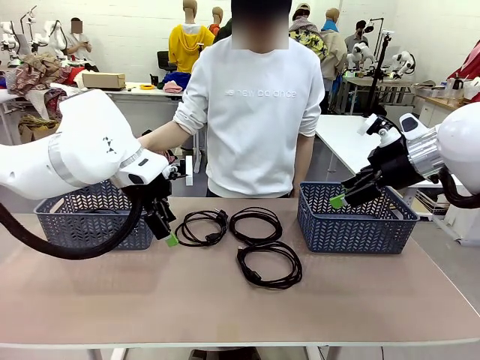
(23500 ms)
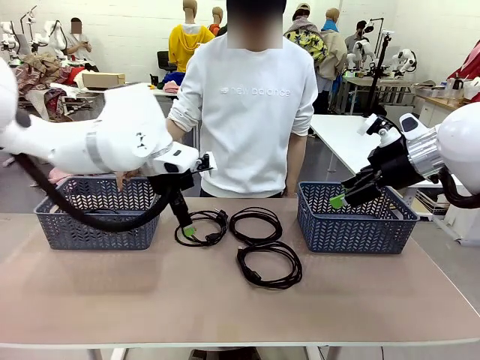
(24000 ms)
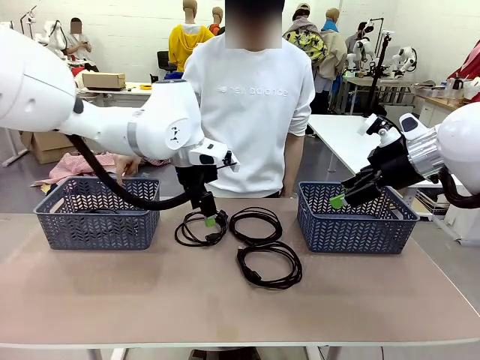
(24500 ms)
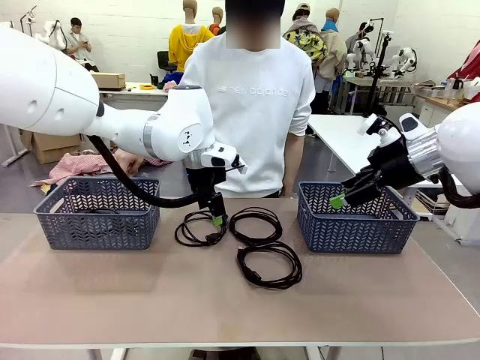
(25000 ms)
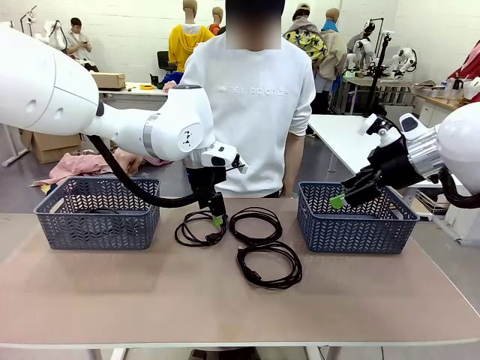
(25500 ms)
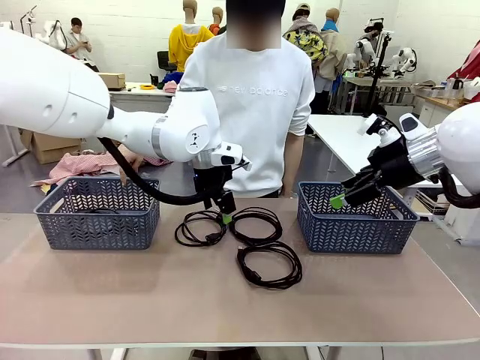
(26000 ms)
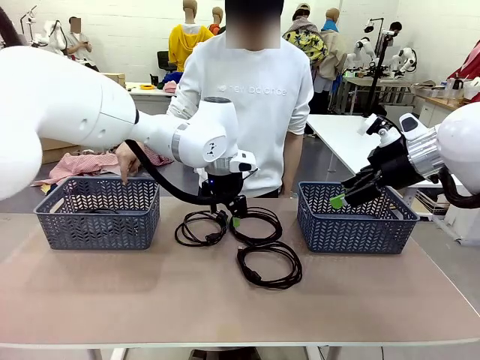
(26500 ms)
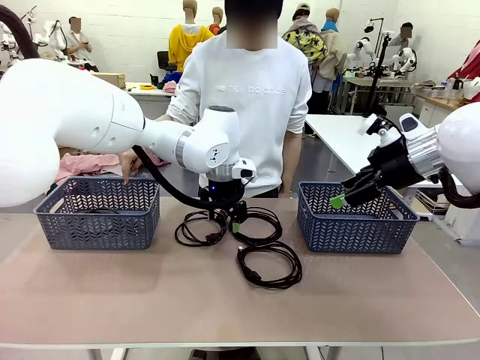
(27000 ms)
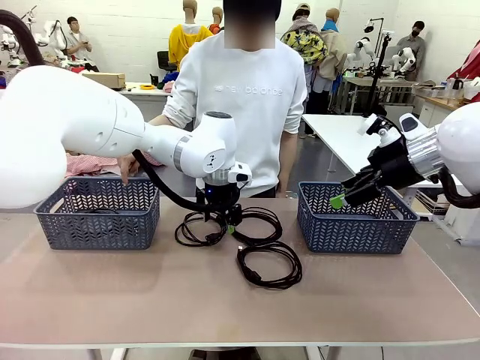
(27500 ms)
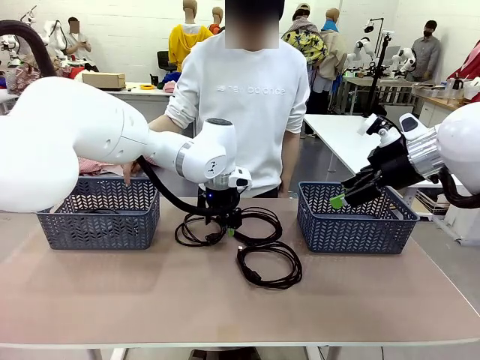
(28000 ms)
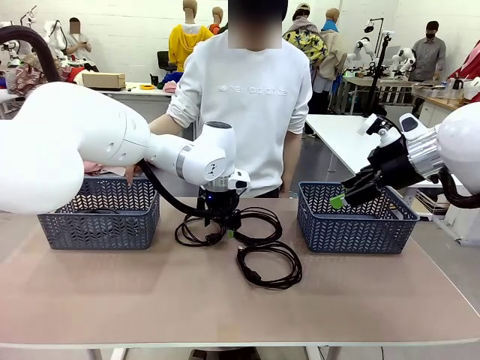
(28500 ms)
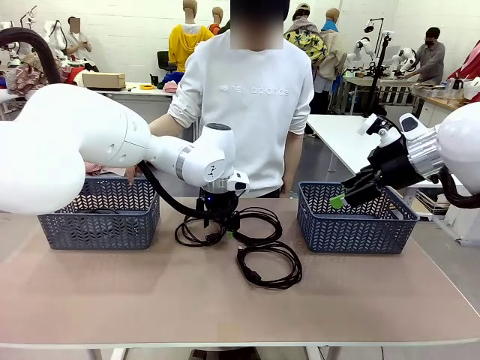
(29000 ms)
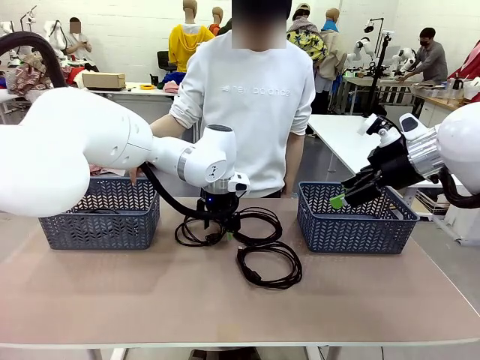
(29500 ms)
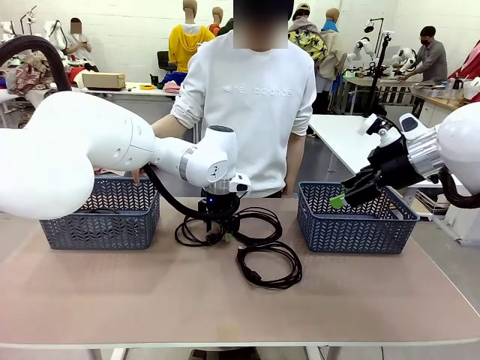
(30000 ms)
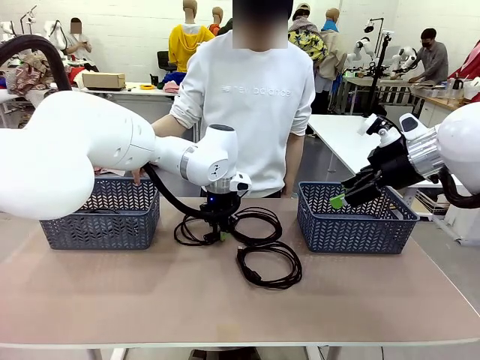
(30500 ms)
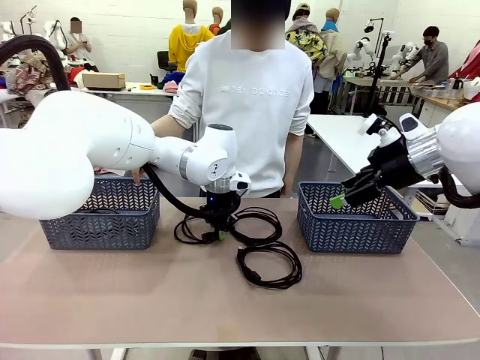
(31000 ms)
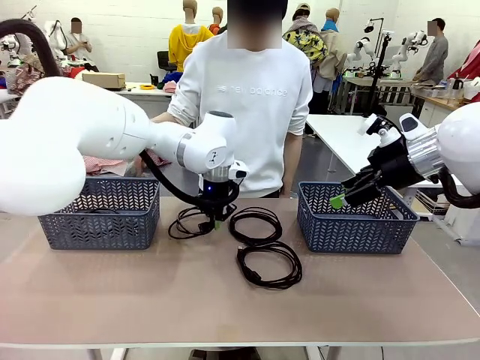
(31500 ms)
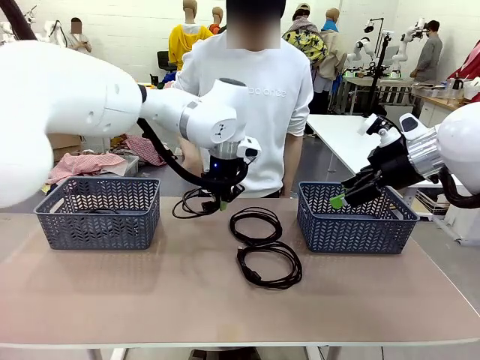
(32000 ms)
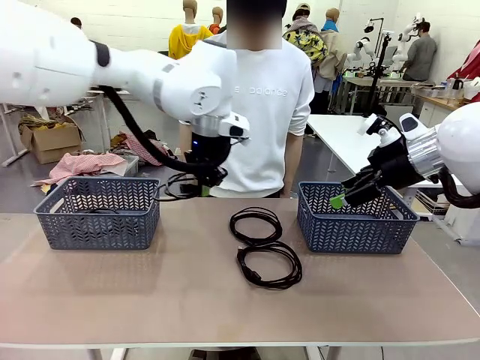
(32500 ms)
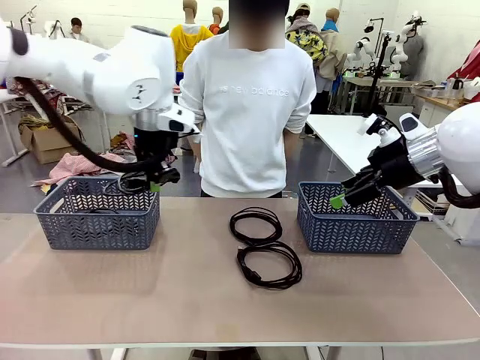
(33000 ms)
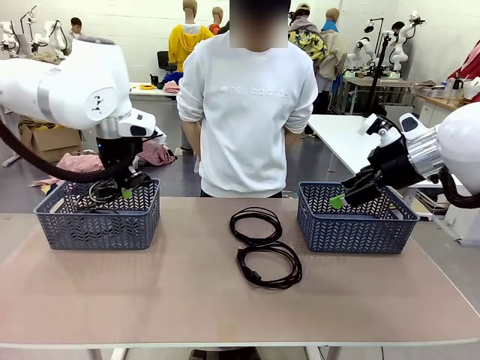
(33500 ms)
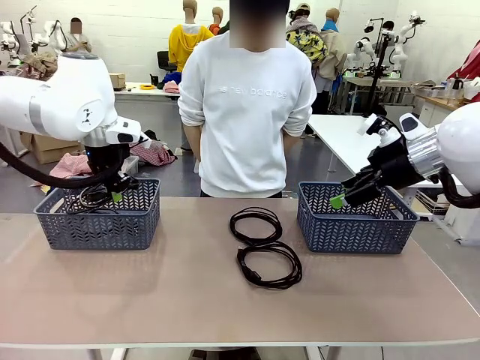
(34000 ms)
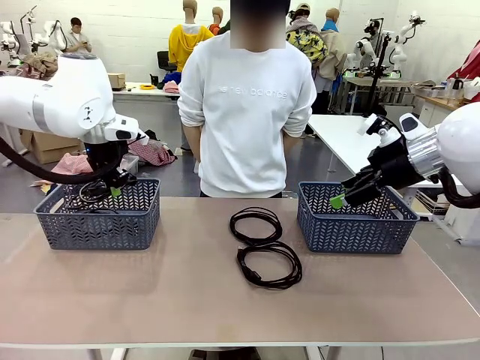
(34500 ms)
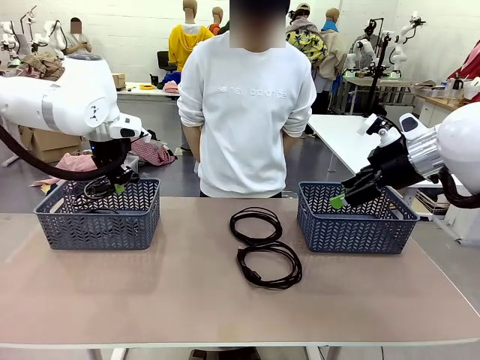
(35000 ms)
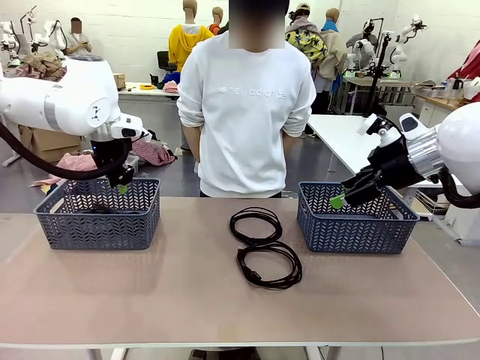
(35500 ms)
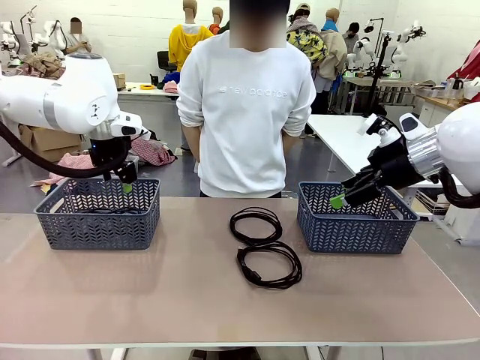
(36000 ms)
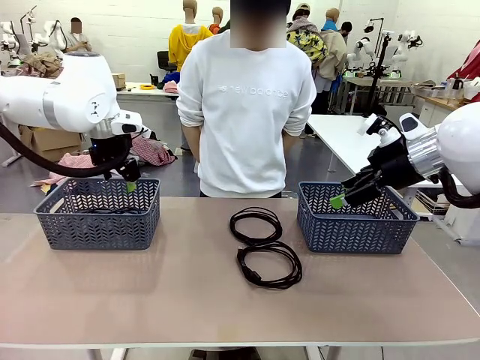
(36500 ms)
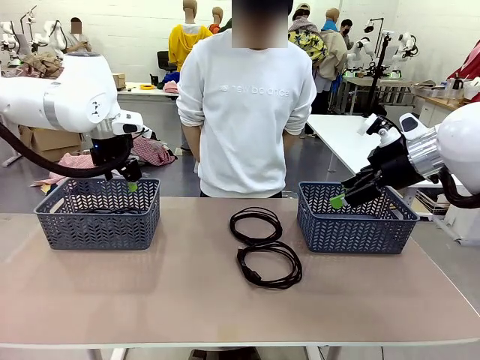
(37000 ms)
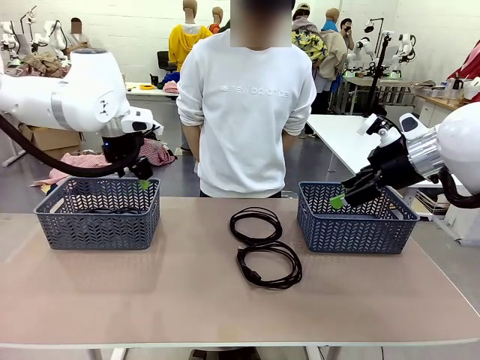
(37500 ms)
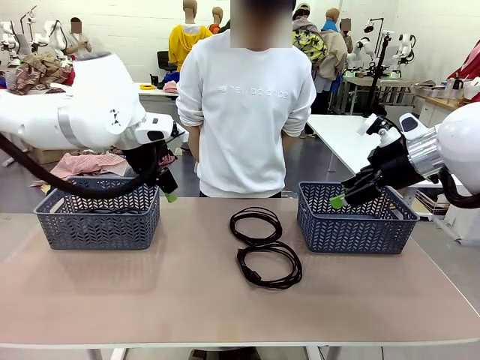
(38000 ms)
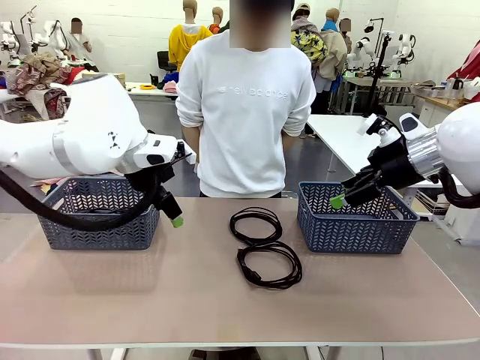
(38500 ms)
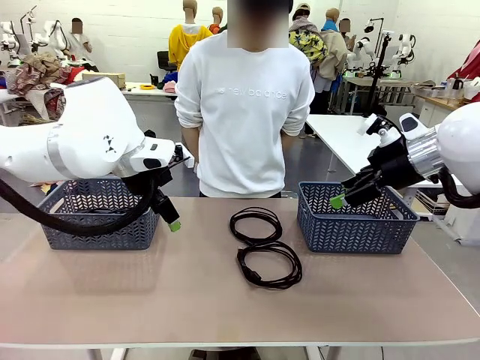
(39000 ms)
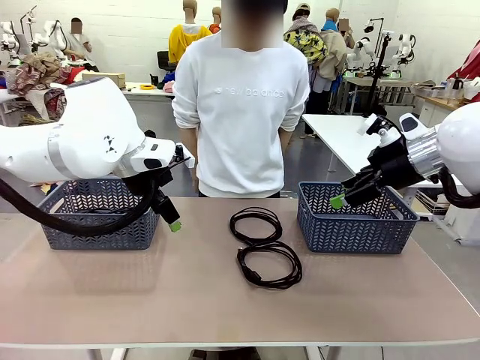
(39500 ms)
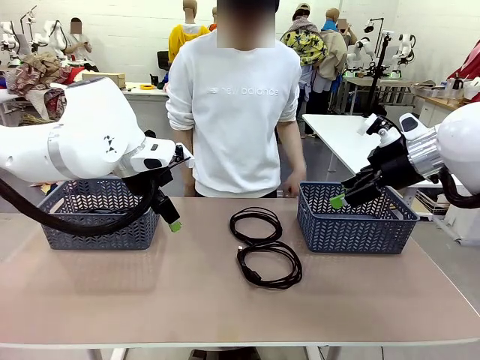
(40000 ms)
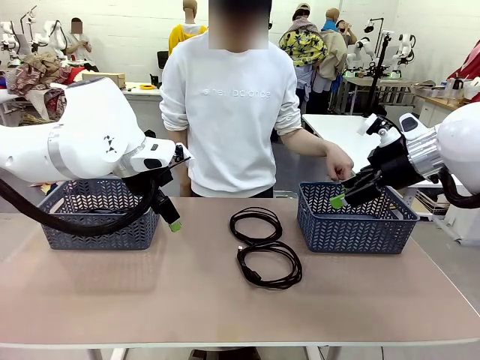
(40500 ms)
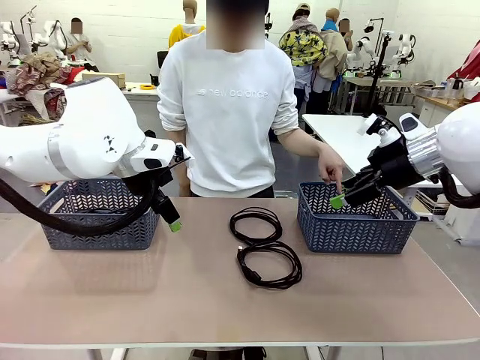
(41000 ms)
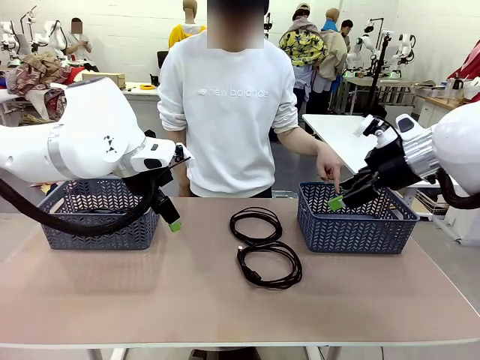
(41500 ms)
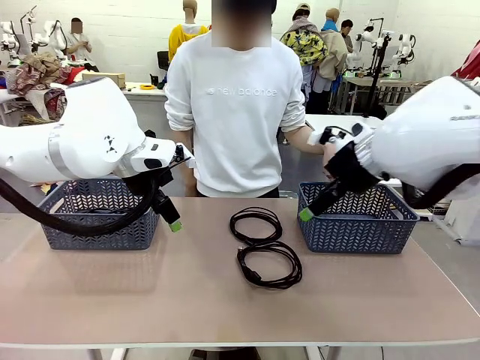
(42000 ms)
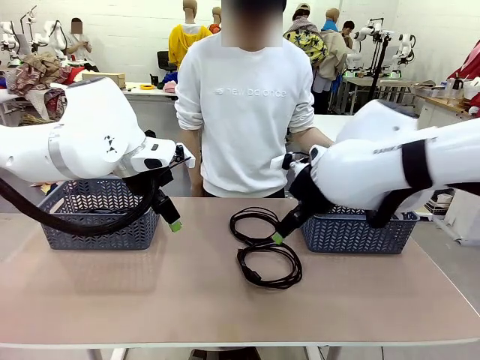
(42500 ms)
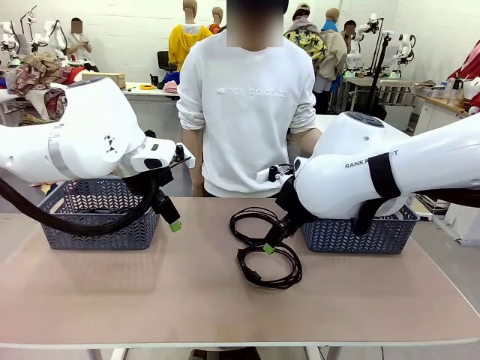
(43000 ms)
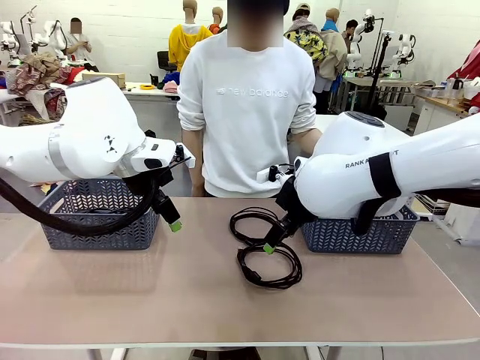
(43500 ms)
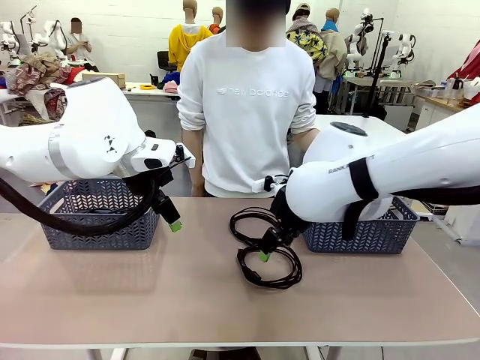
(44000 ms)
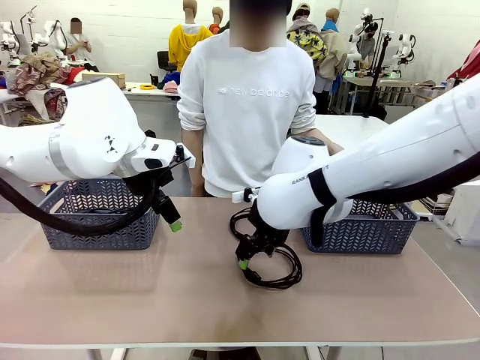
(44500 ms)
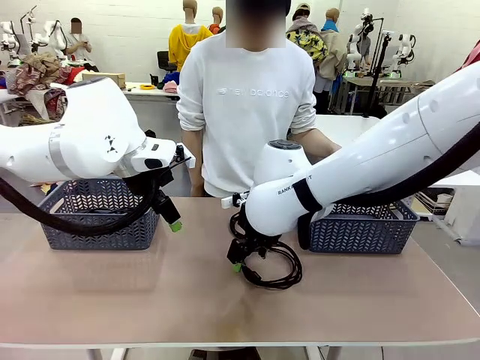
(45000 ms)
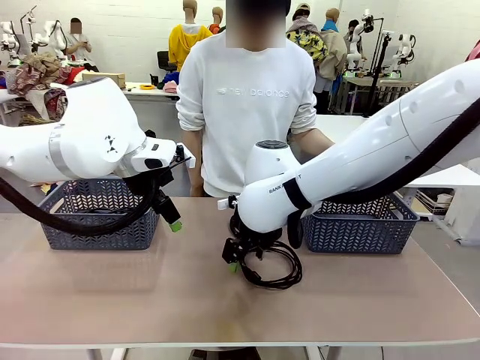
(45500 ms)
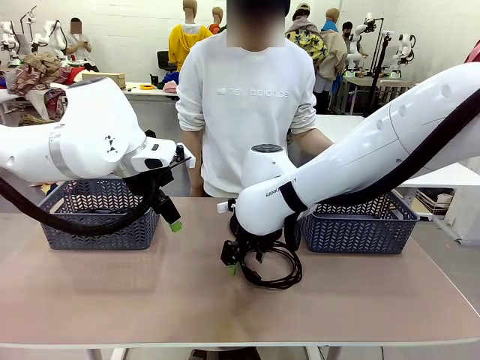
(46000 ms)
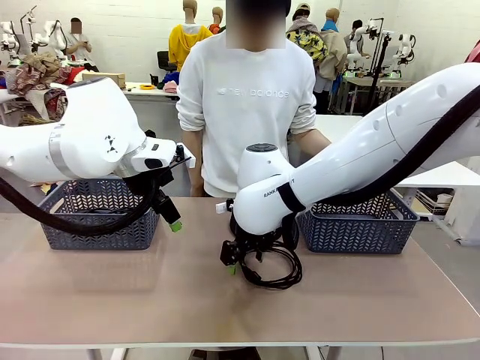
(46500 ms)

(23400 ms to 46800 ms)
Task: Organize the cables according to human instructions.
Robot: Pick up a bundle of cables and place it in the basket indicated by the human.

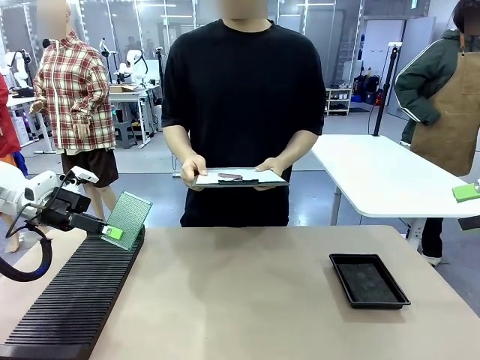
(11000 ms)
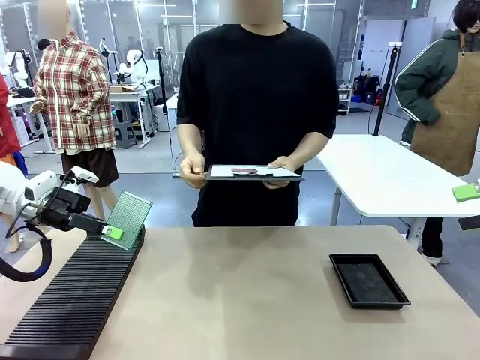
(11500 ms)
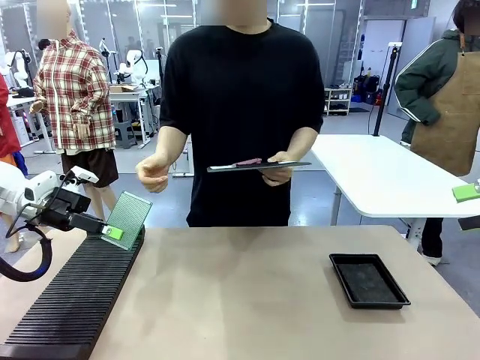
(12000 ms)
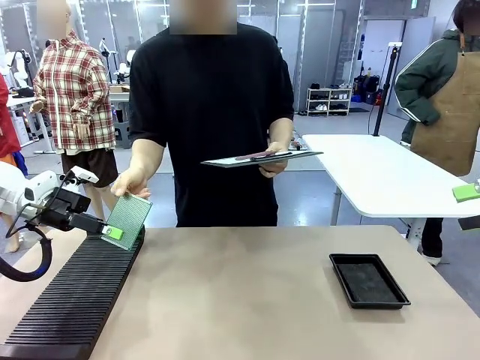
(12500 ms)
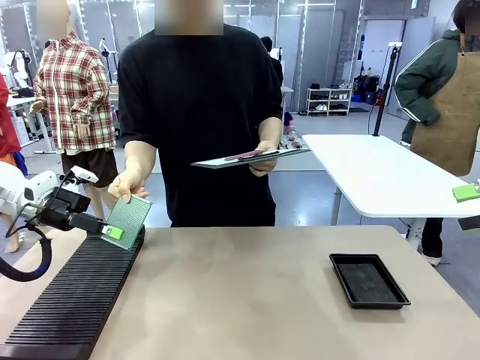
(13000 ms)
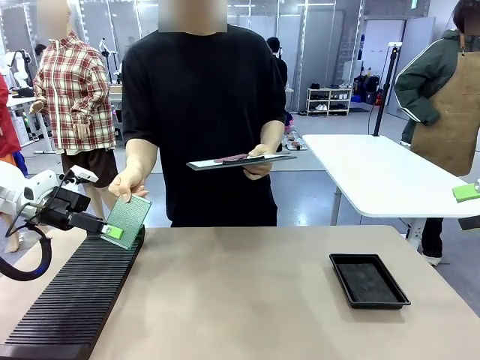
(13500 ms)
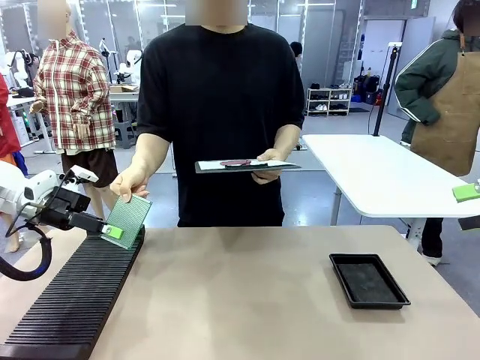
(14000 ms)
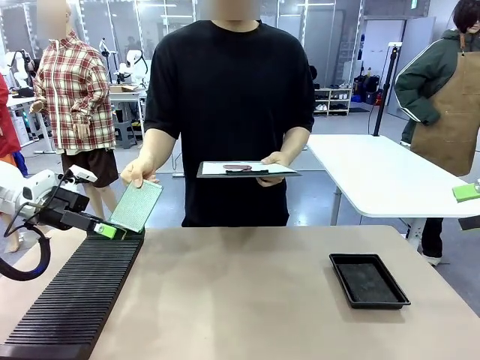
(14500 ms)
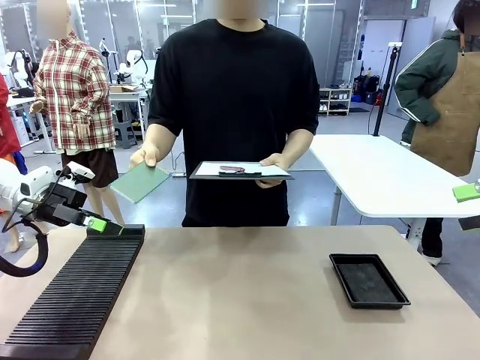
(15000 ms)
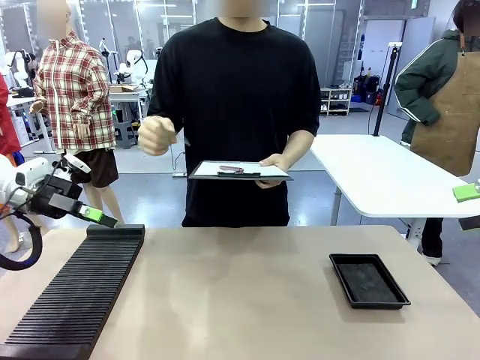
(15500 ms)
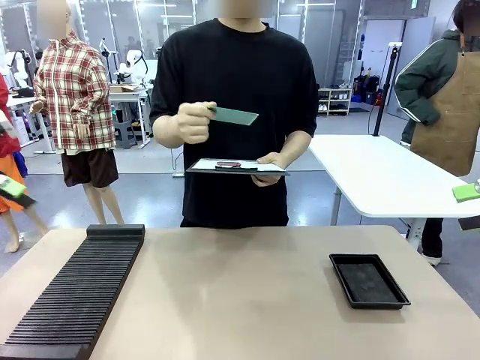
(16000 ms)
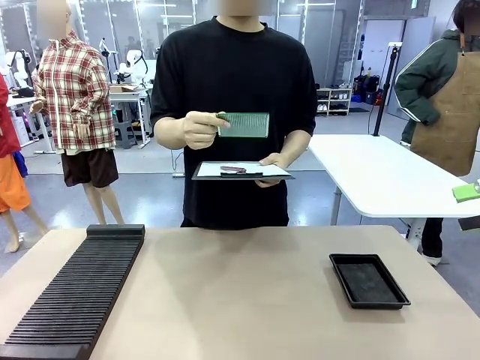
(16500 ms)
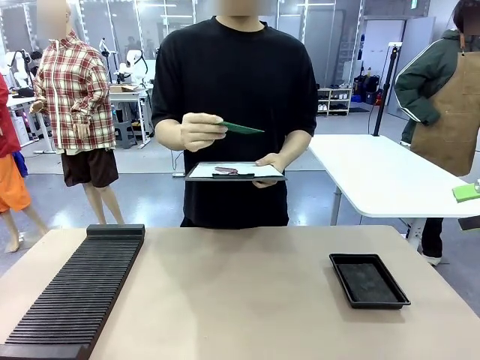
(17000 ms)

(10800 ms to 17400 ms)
Task: Inspect the PCB.
Robot: Release the Blank PCB you were holding.
Person: Inspect the PCB placed by the robot, then hold it out in front of the robot.
